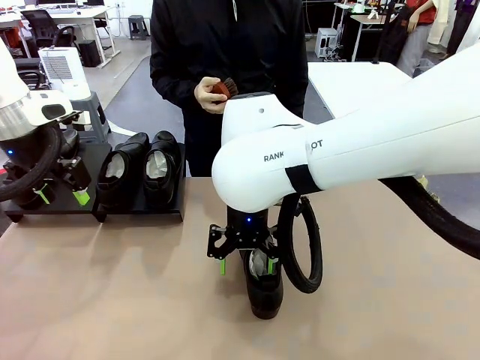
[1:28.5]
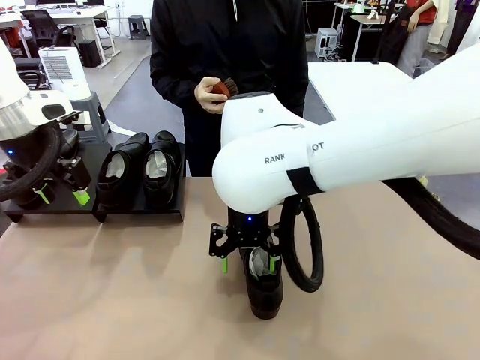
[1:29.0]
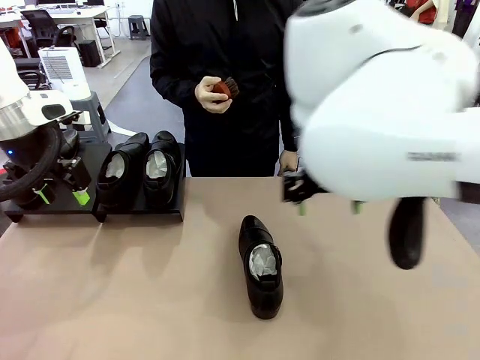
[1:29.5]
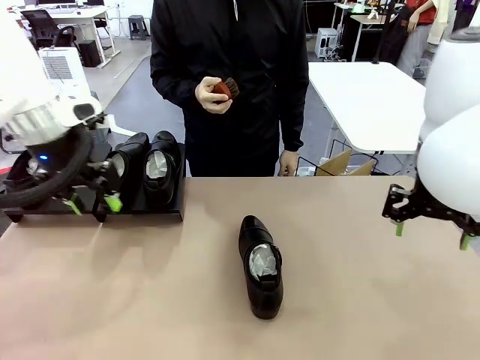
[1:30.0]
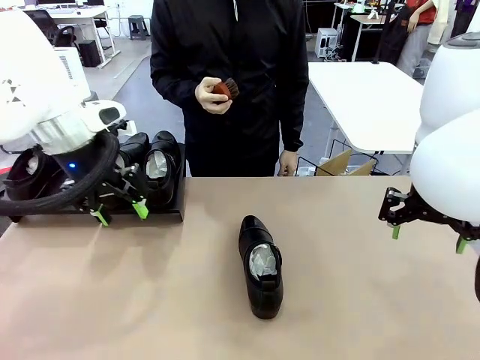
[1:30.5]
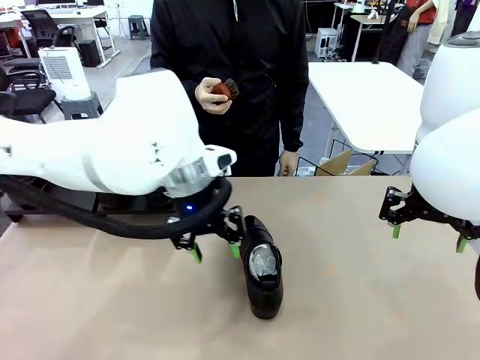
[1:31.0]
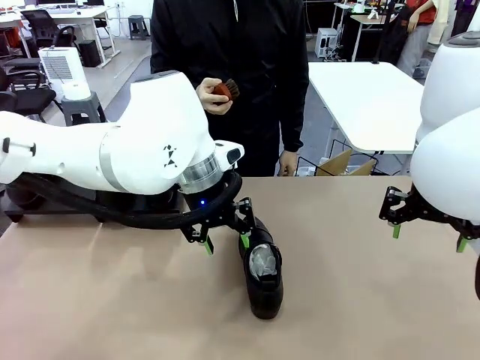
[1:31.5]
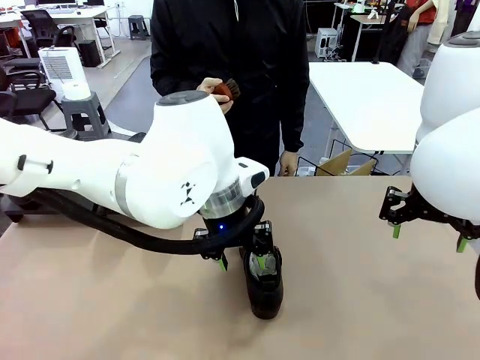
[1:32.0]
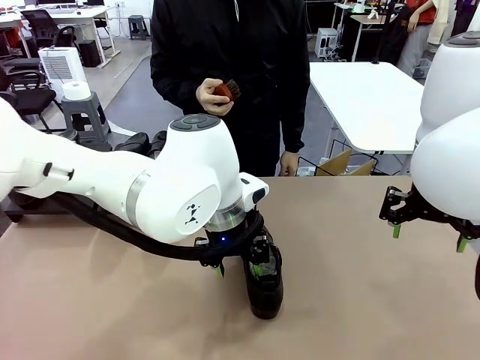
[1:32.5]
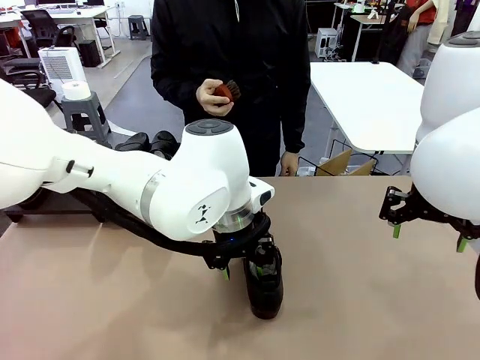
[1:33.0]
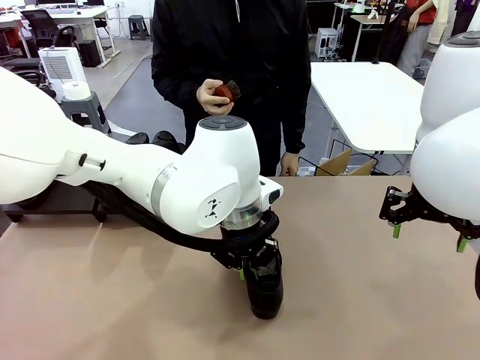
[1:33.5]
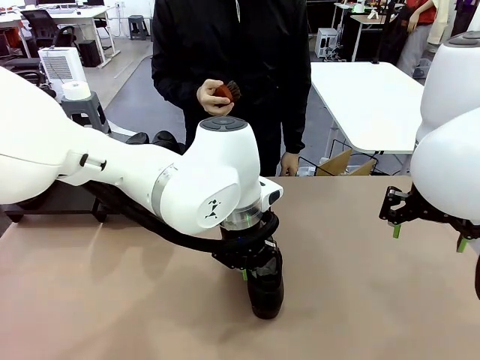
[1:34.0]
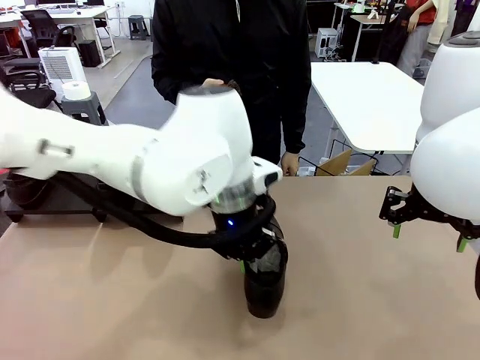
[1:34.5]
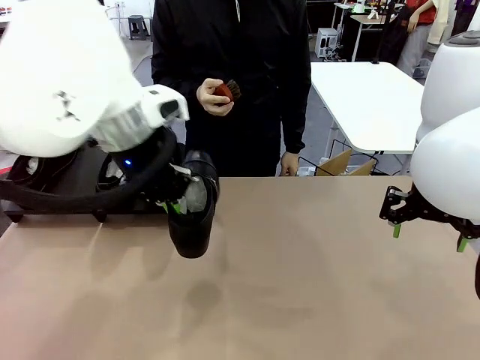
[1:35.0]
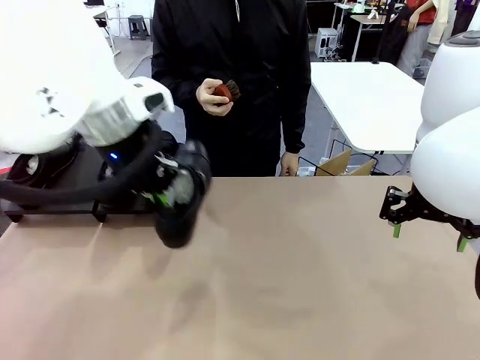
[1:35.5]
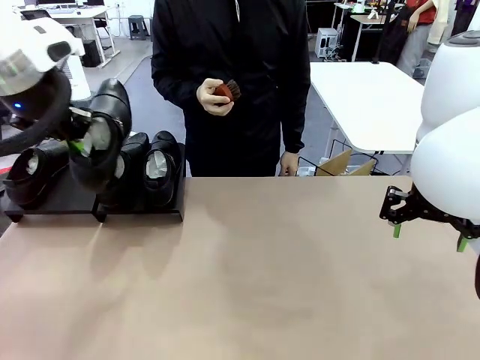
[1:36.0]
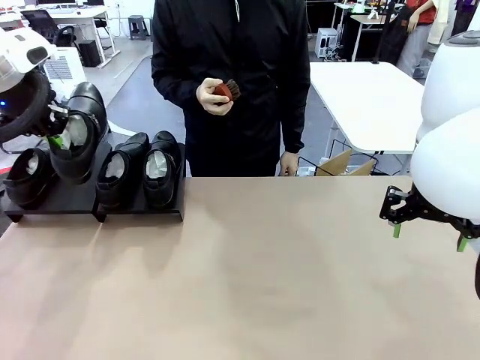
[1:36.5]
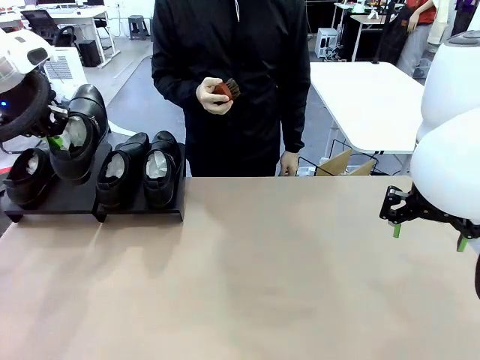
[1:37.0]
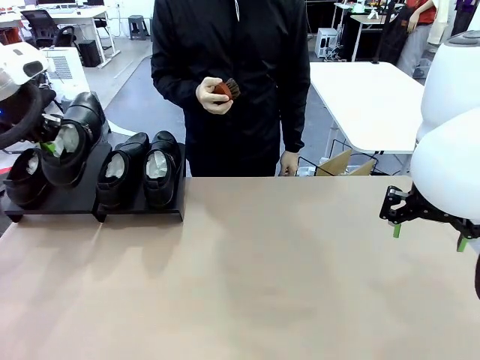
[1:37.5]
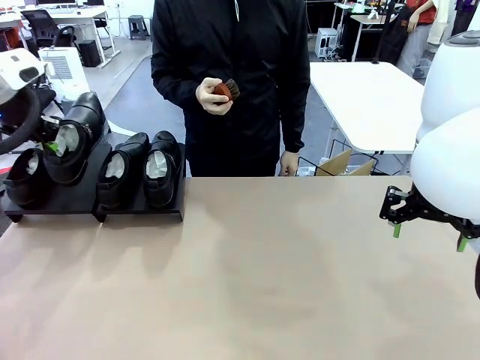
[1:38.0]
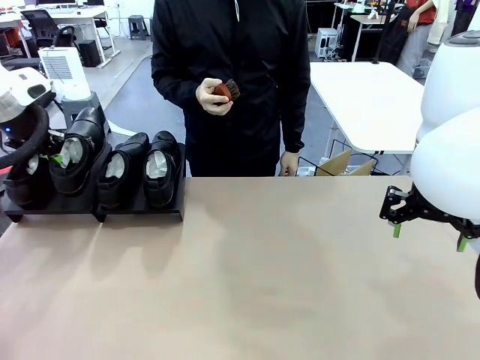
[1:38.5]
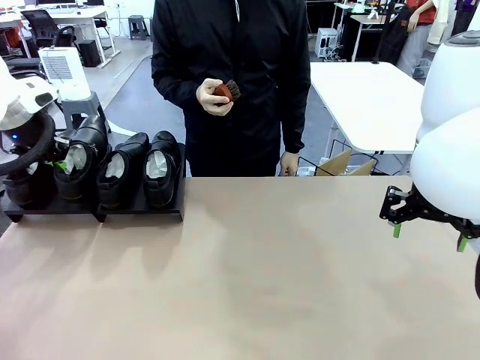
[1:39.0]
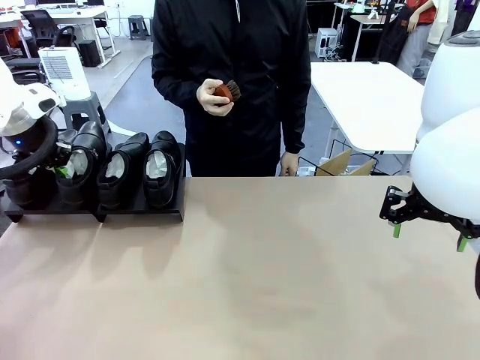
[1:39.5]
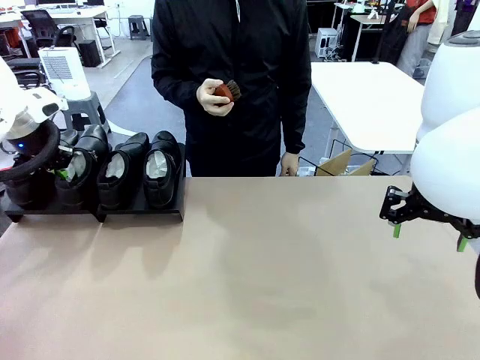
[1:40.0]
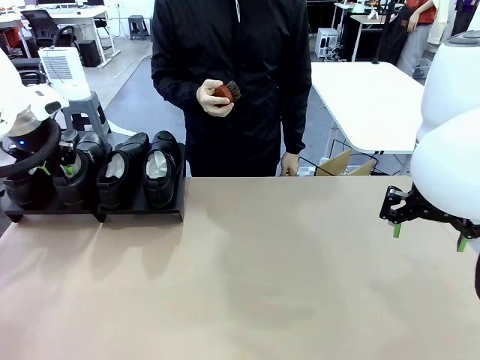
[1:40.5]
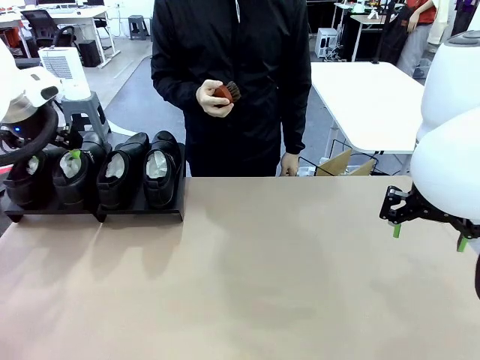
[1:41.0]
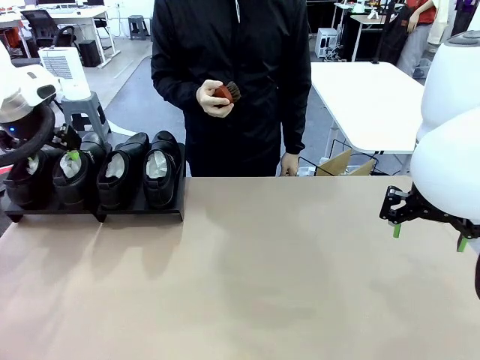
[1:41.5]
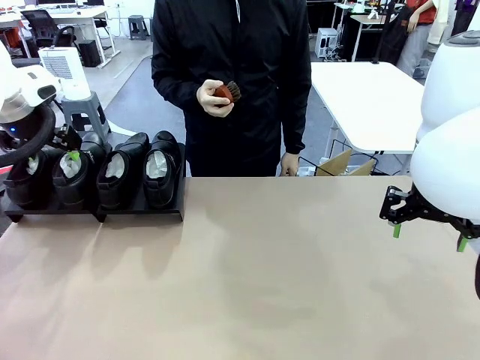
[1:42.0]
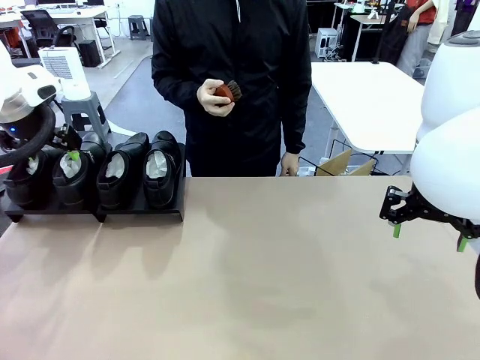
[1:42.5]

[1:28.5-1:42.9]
Task: Organize the shoes by placing them on the stand.
Robot: Place the Shoe from the middle of the table onto the Shoes Stand.

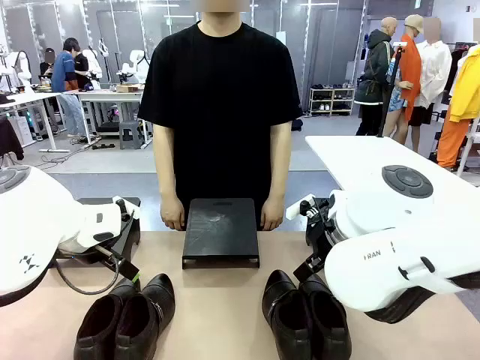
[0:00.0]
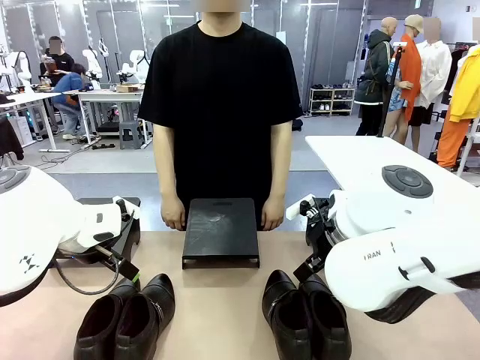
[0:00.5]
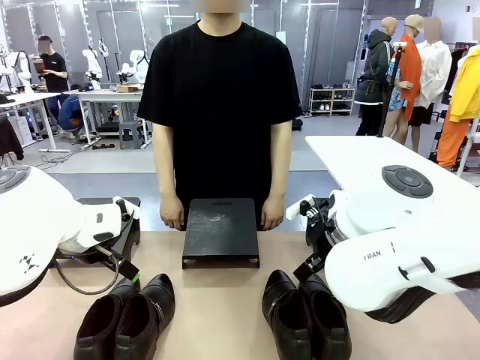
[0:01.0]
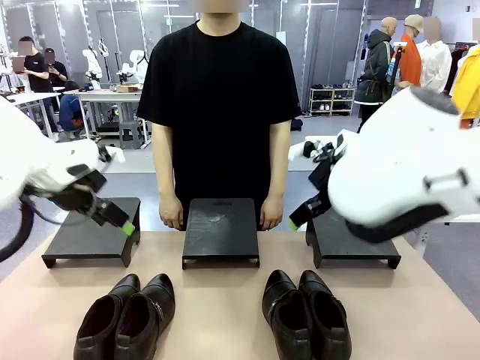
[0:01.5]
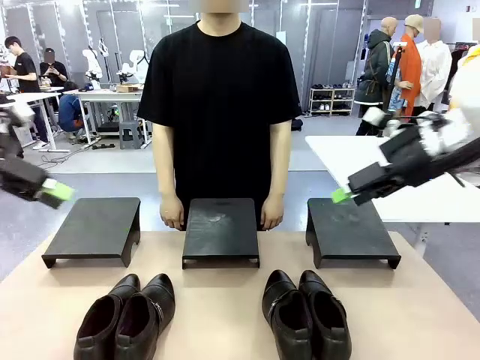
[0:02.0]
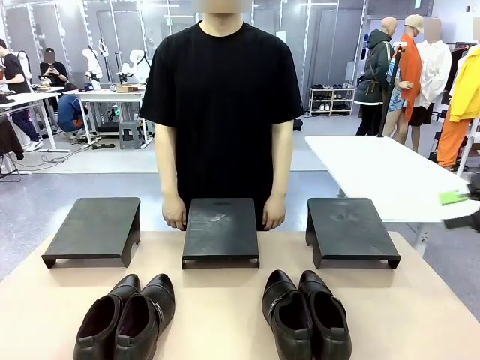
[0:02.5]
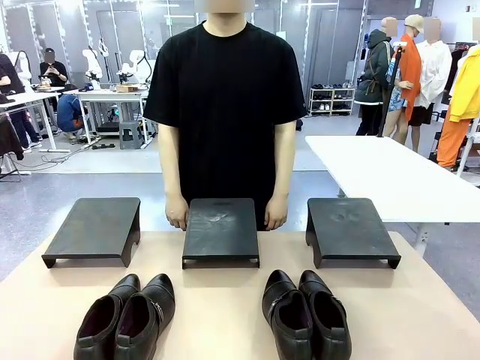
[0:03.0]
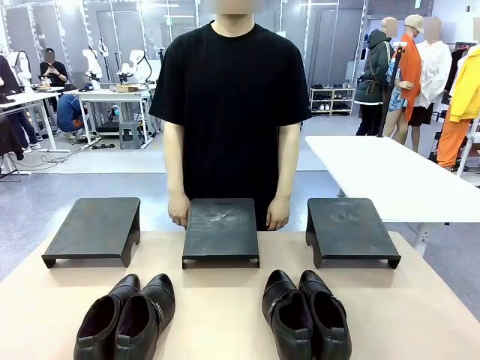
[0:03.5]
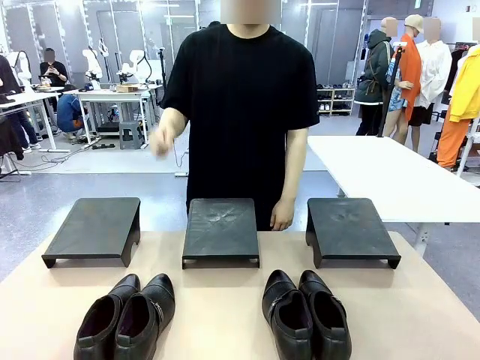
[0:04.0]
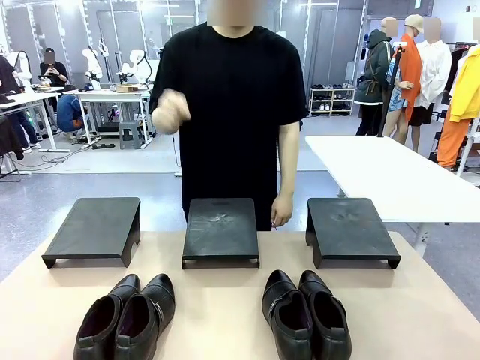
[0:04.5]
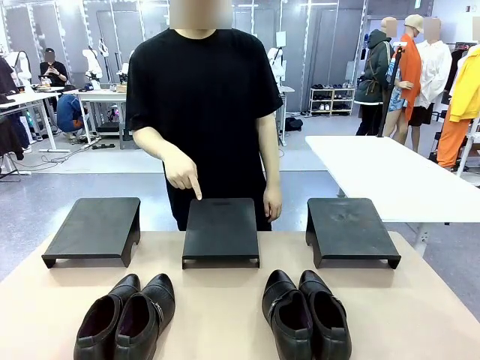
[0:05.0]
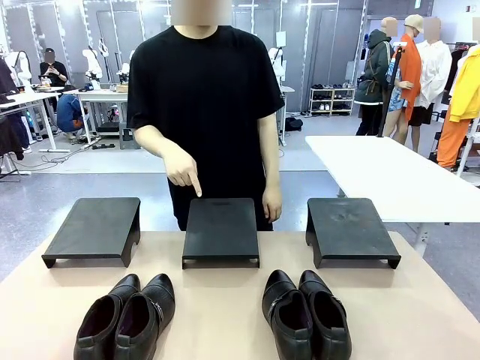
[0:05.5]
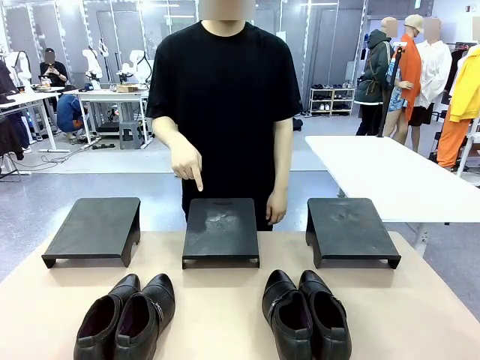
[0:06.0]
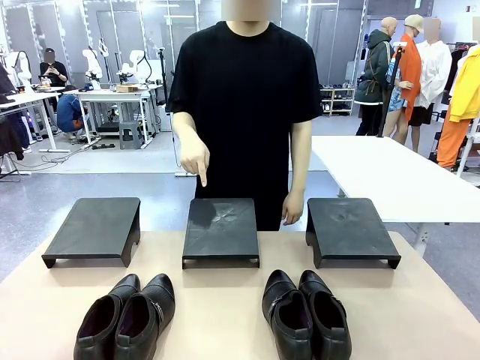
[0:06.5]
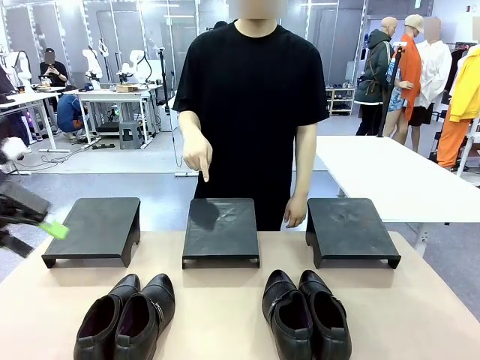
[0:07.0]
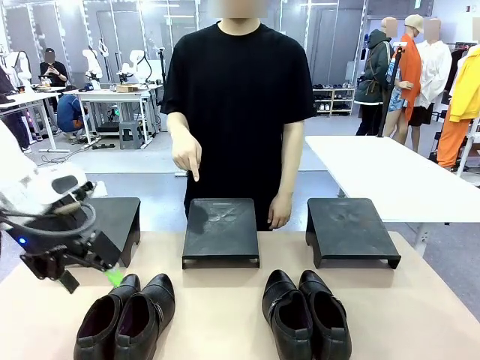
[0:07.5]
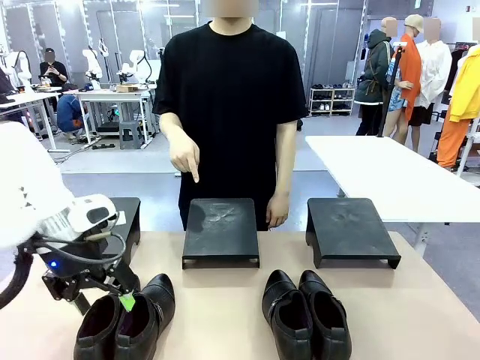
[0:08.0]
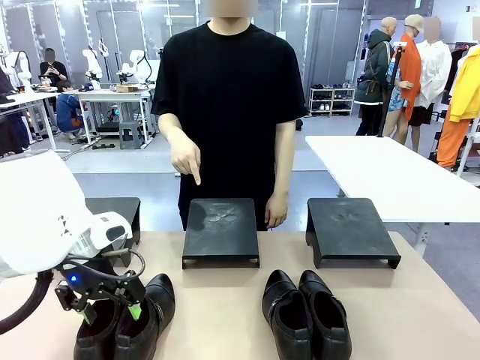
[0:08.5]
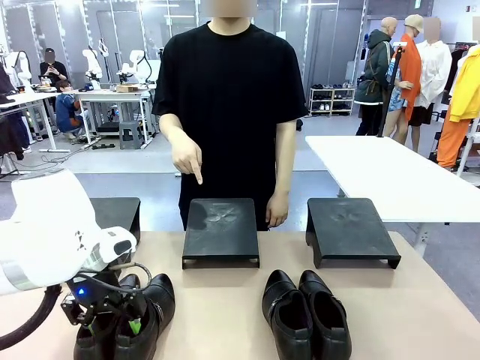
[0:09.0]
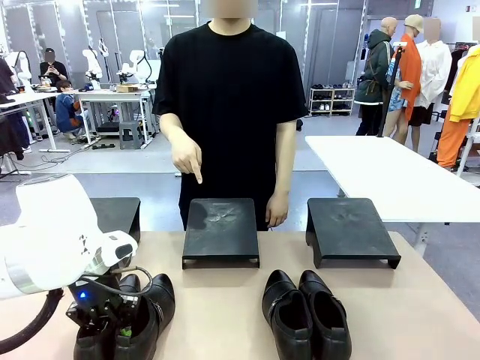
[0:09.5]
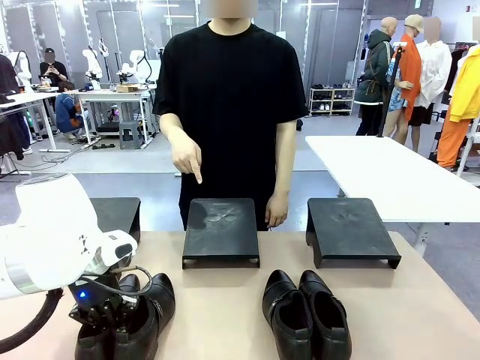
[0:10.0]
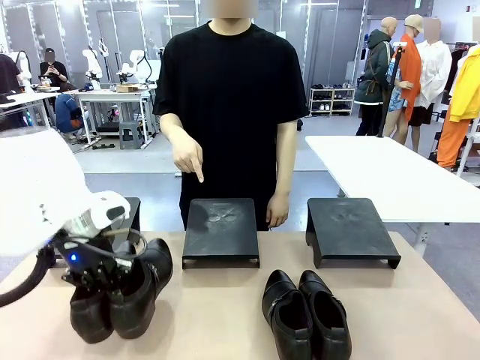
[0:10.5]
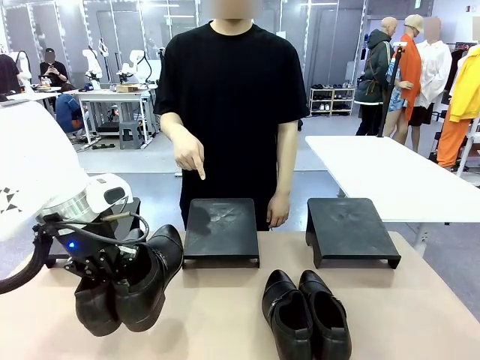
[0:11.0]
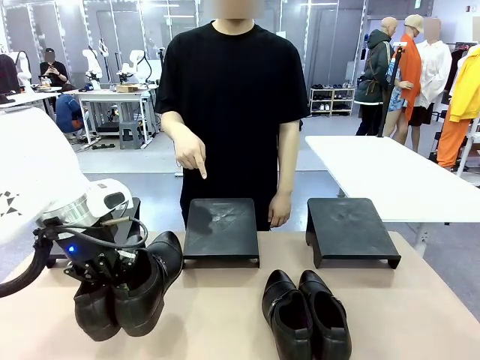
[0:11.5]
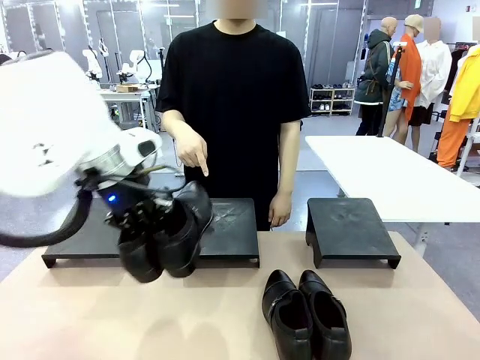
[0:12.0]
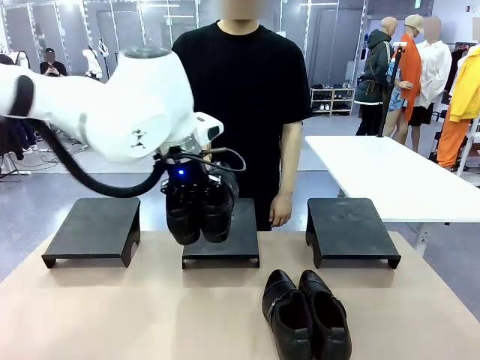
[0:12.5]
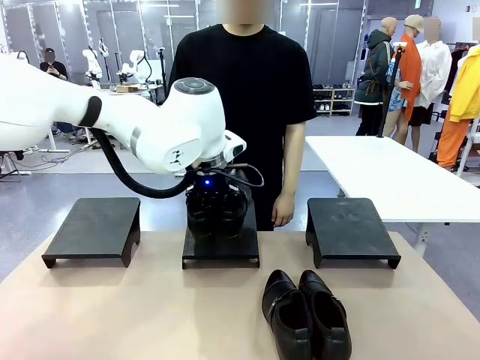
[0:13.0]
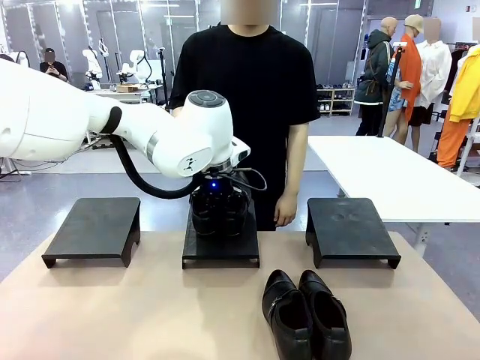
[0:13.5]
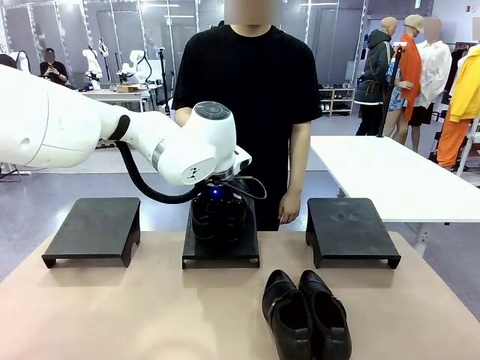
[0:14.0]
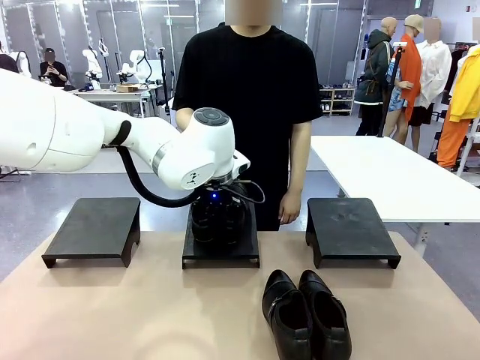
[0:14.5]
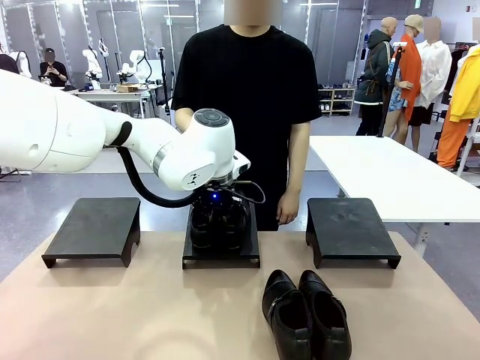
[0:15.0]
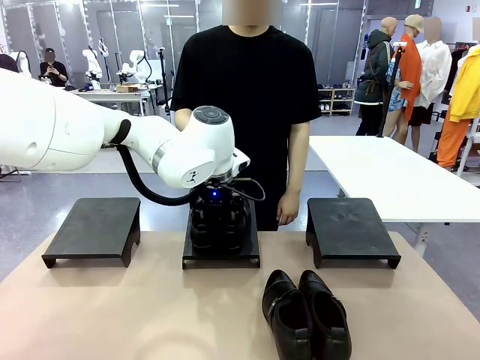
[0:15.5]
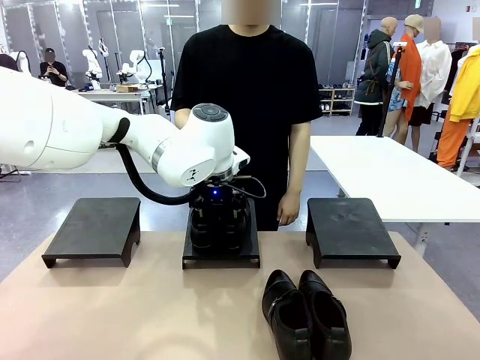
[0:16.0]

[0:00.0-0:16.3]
Task: Place the shoes on the stand as instructed by the person.
Robot: Pick up one pair of Shoes and place it on the Shoes Stand indicated by the person.
